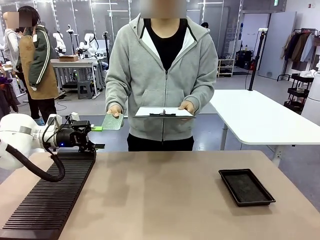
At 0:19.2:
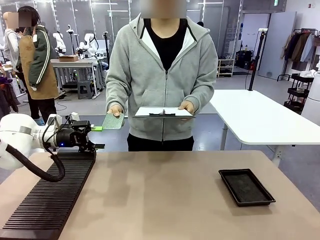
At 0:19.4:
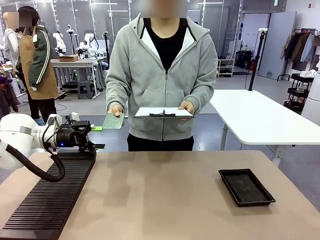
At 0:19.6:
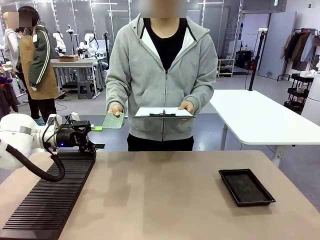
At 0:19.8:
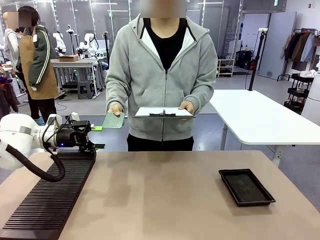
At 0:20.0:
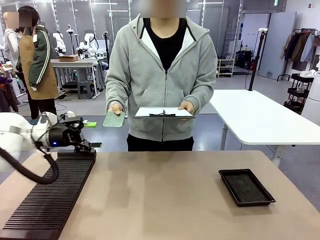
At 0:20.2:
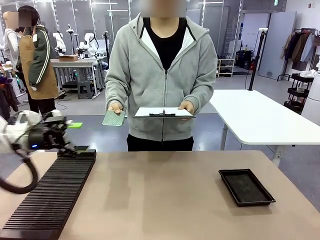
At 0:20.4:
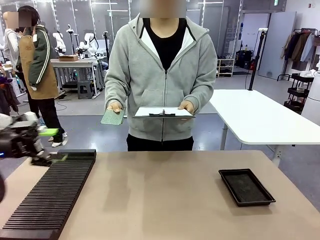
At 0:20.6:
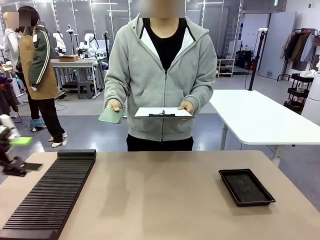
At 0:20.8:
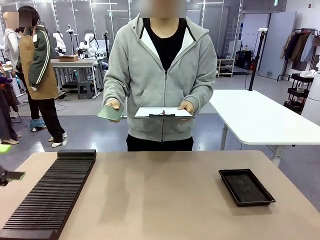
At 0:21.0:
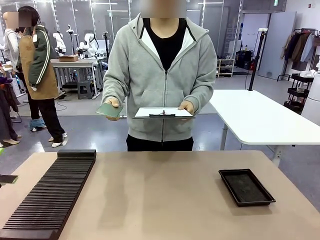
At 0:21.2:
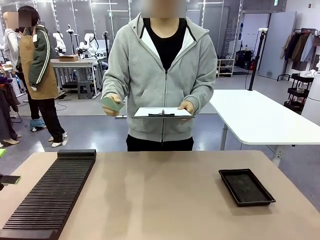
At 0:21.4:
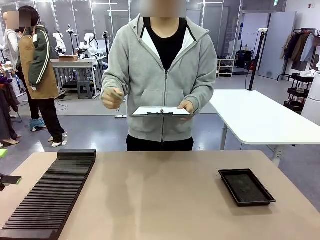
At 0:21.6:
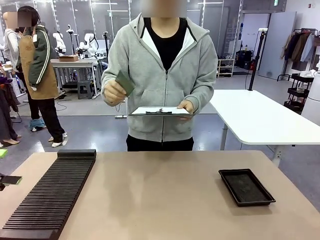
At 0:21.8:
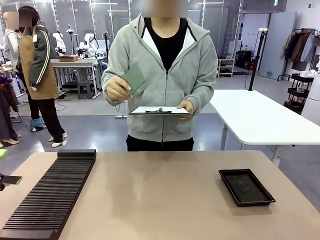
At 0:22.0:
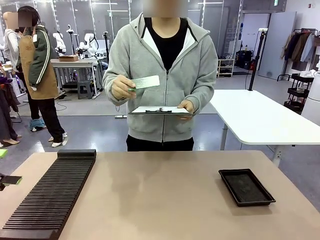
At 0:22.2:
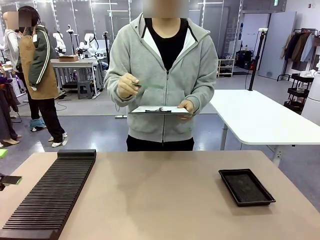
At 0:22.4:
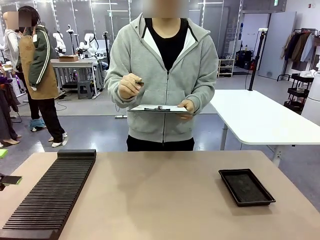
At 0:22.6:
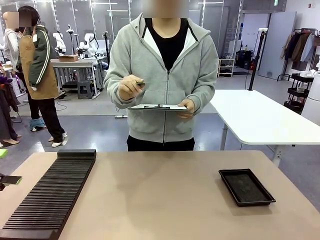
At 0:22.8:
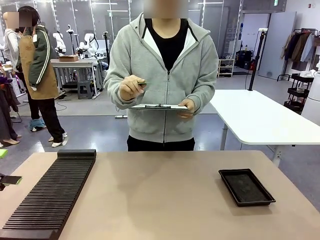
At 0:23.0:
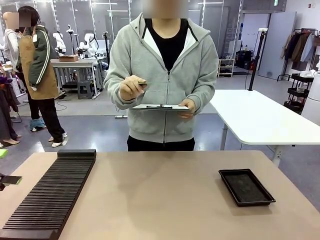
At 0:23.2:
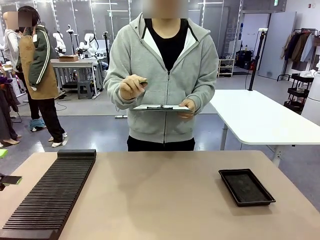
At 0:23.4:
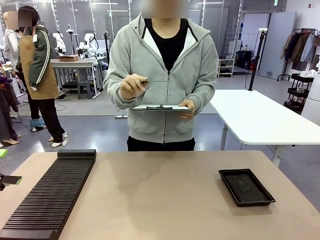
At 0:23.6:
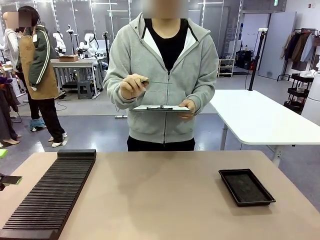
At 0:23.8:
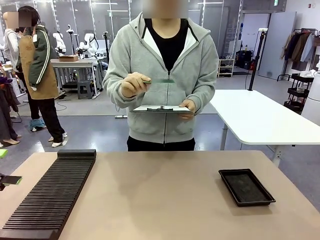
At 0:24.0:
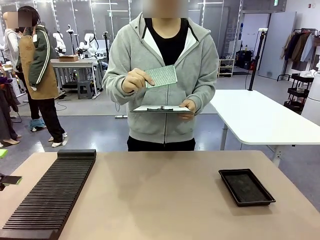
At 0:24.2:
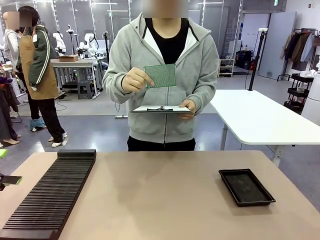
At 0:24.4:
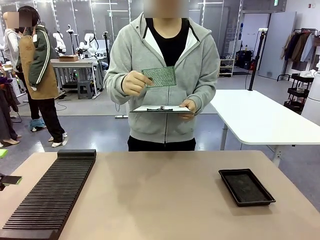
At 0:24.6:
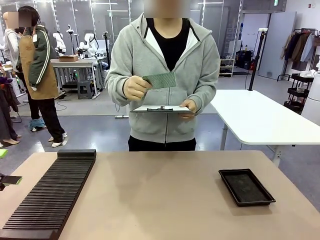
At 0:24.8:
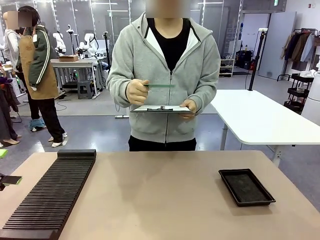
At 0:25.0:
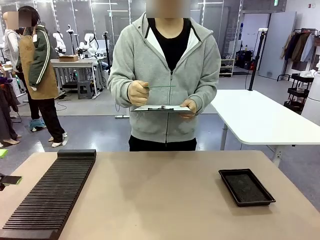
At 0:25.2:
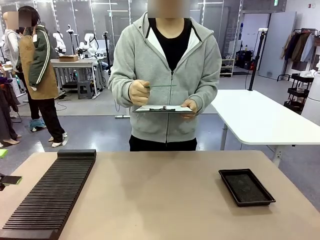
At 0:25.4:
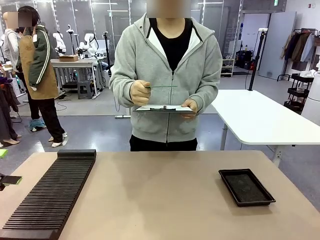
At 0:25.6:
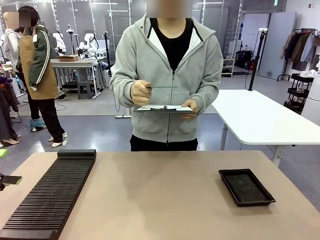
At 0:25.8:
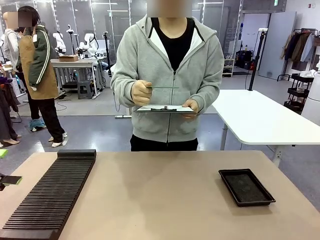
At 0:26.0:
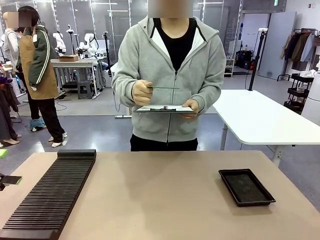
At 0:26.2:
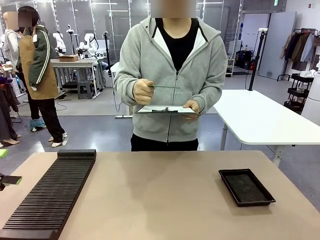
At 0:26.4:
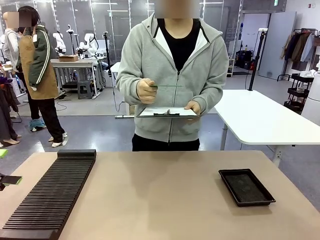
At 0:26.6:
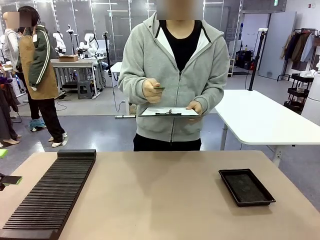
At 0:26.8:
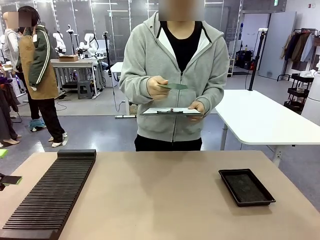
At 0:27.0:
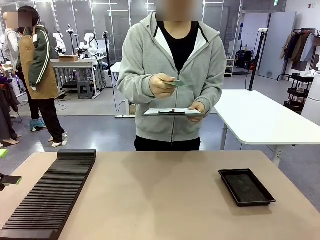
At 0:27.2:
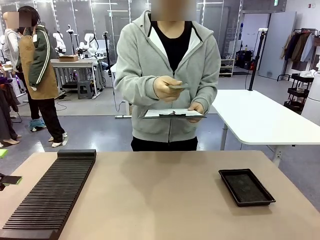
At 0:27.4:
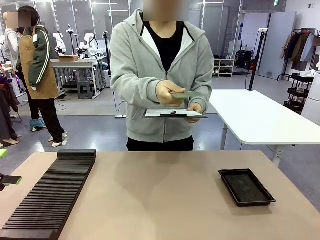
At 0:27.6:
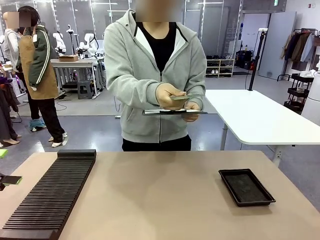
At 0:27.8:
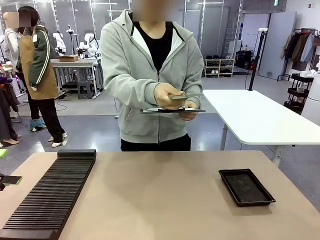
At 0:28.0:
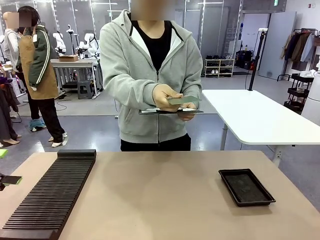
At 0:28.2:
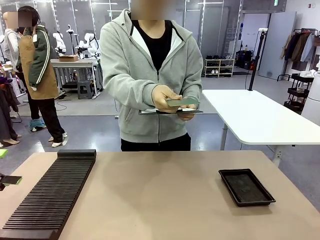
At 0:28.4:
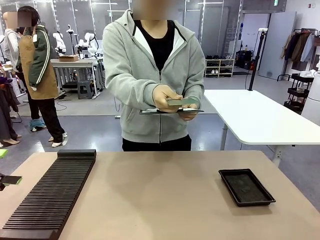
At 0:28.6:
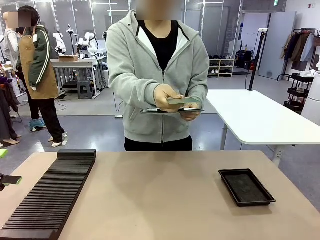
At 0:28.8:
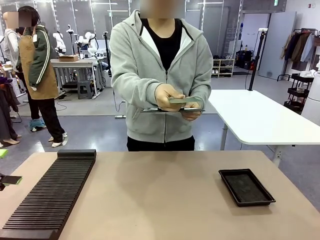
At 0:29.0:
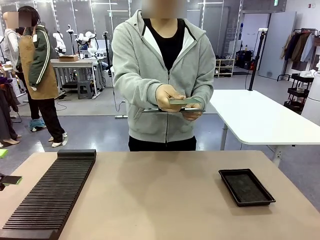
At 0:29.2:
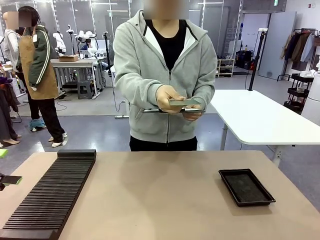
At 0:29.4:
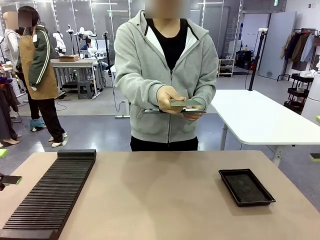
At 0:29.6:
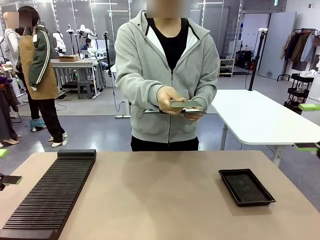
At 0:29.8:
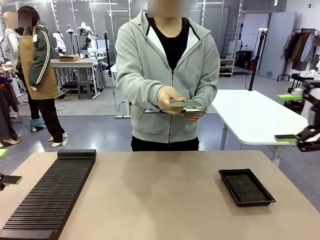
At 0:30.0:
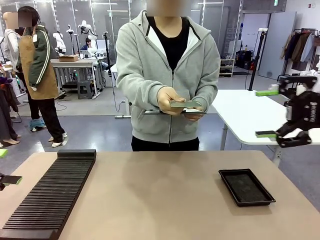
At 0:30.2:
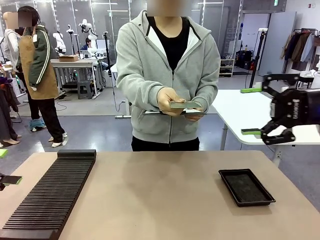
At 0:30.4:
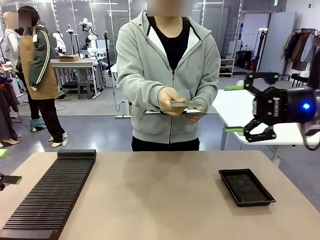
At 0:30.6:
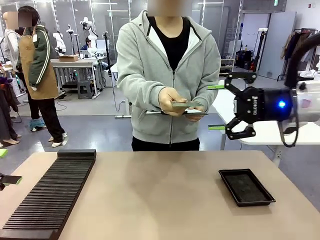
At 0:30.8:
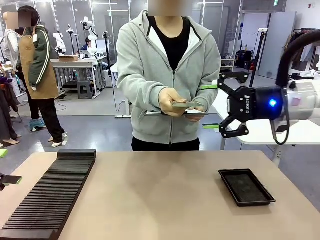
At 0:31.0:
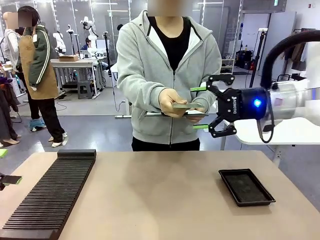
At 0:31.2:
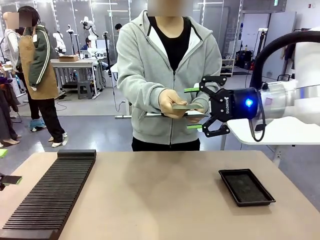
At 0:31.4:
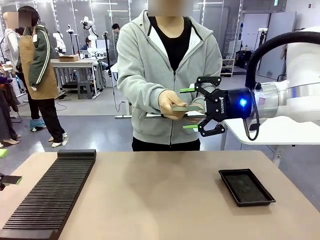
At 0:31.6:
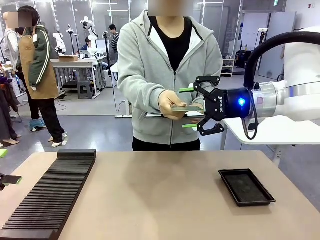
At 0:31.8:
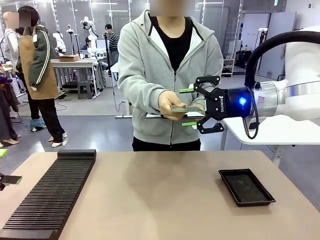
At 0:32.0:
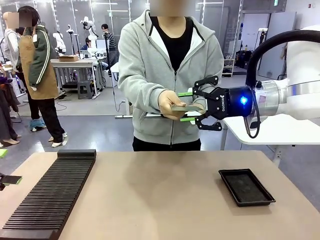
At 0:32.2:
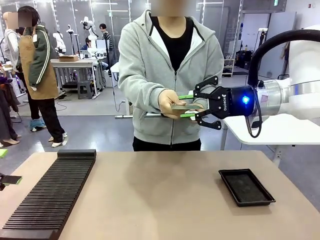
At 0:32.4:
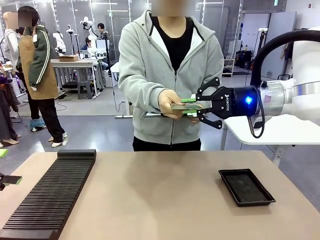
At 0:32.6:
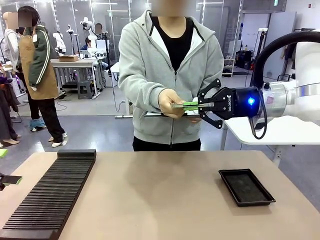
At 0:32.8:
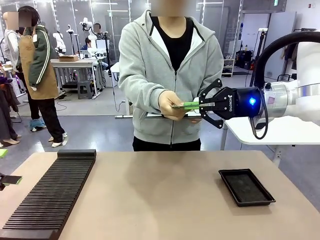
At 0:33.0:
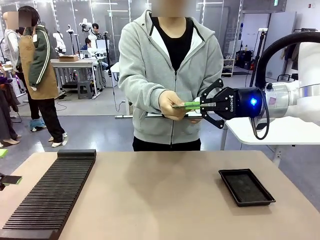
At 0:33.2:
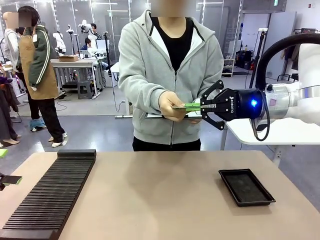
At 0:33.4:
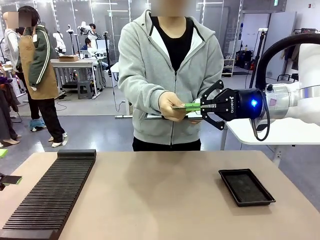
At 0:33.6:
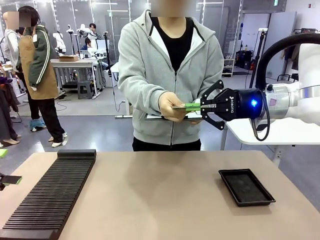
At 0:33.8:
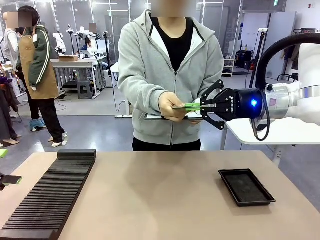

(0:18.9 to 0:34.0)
Task: Inspect the PCB.
Robot: Pick up the Blank PCB that the human is holding.
Person: Inspect the PCB placed by the robot, then hold it out in front of the robot. Release the PCB you were holding.

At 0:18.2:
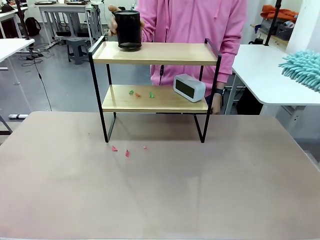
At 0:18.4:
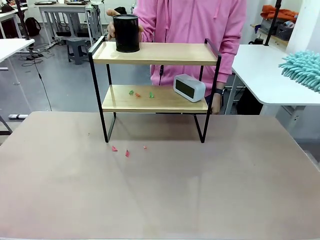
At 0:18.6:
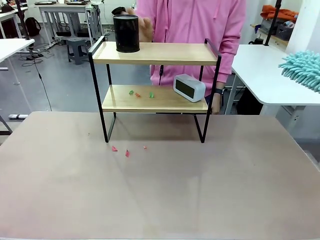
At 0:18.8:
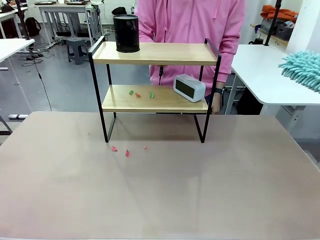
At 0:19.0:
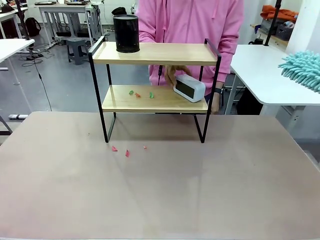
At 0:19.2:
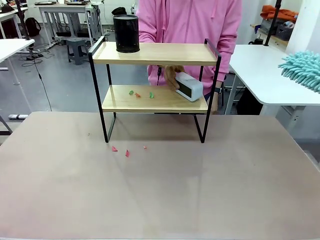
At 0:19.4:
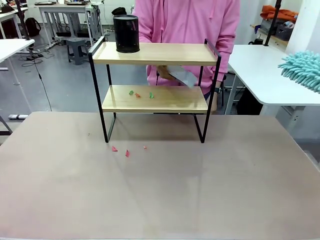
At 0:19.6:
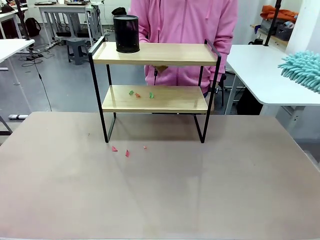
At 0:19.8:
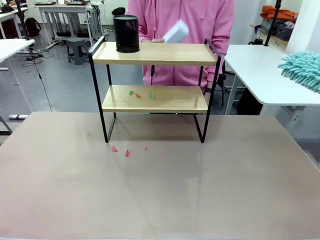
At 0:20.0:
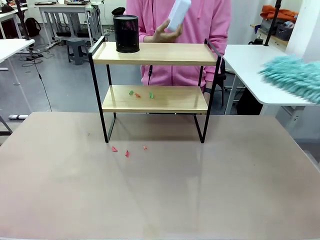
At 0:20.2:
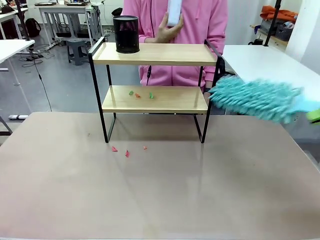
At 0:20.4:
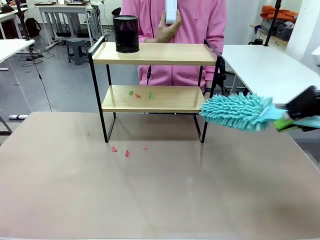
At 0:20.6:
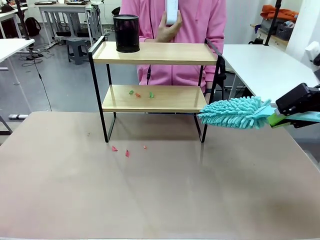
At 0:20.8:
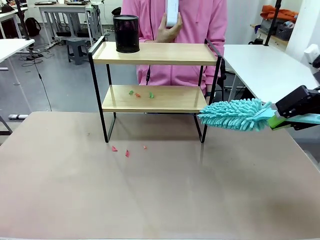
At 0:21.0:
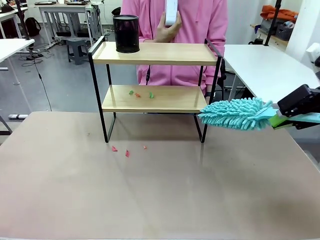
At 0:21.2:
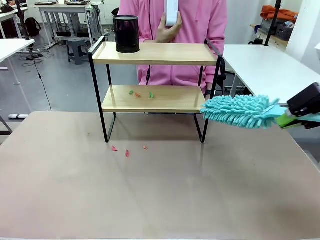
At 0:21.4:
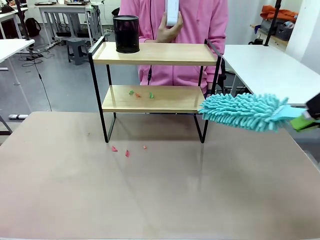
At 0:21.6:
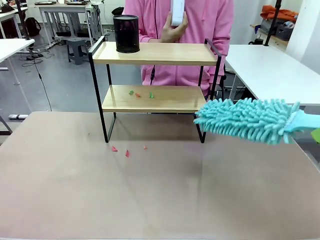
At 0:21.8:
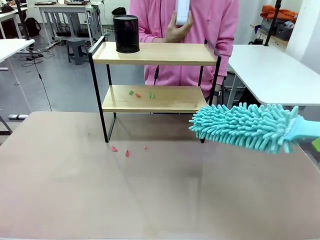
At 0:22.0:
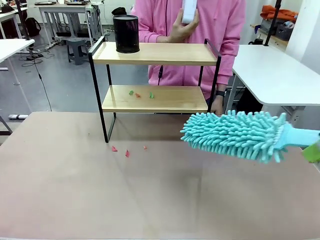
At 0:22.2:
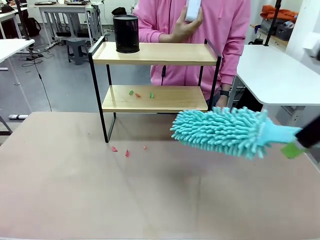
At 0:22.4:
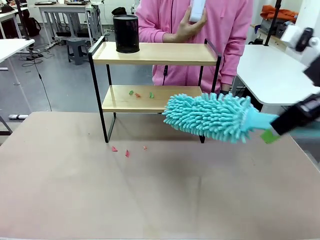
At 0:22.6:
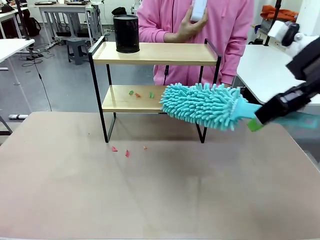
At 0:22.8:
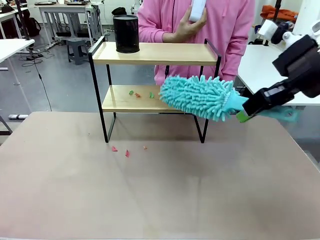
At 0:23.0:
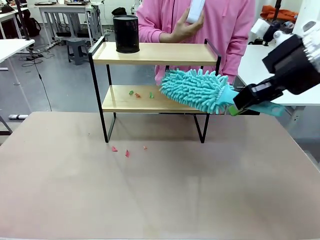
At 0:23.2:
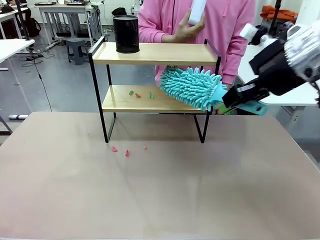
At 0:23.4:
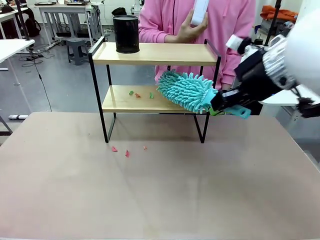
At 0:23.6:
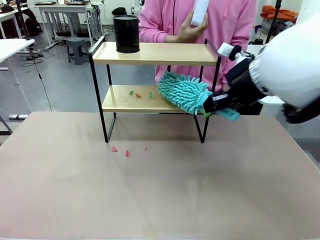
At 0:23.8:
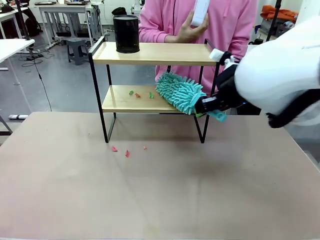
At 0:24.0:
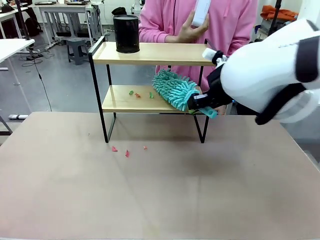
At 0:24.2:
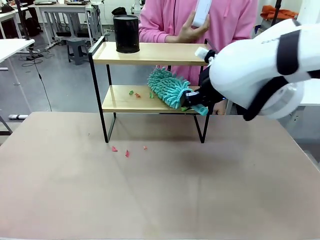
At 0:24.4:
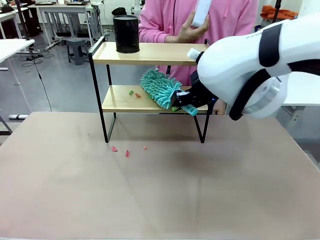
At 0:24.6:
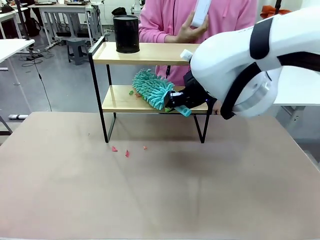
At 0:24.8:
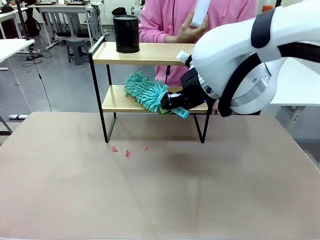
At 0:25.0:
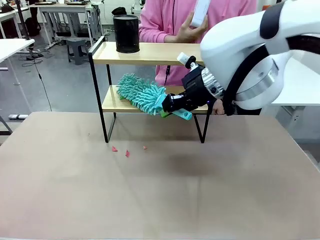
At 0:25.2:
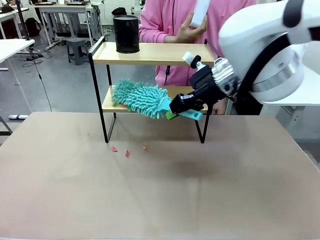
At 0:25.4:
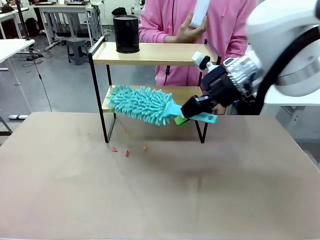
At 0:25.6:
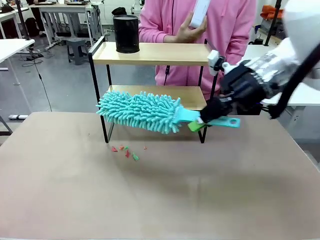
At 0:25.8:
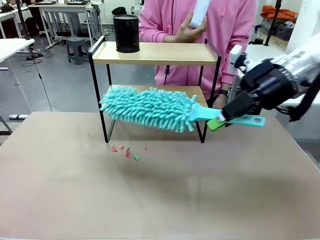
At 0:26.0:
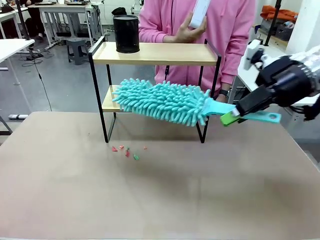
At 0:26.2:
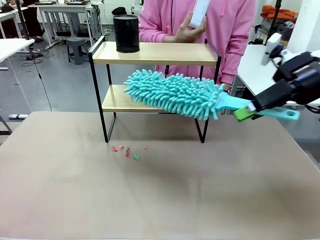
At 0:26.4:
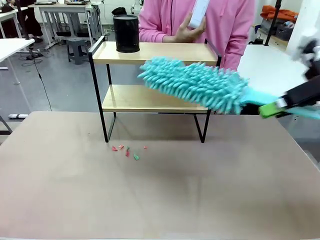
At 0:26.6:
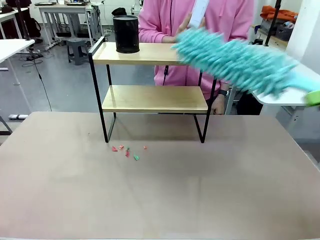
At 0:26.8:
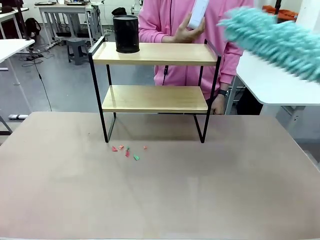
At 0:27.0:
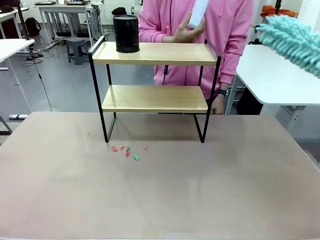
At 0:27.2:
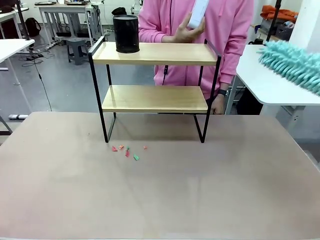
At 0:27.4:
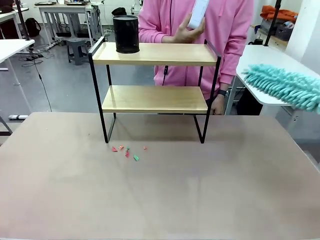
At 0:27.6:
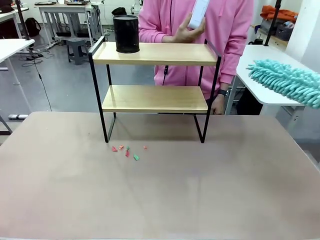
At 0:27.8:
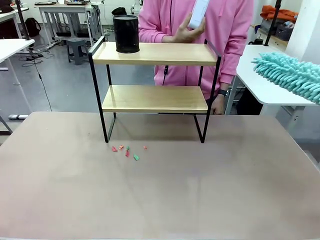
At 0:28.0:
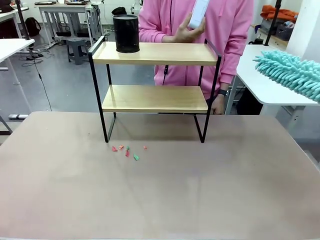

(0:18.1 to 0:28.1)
Task: Clean the shelf.
Robot: Clean the remaining tier of the Shelf with the Duster once objects are removed.
